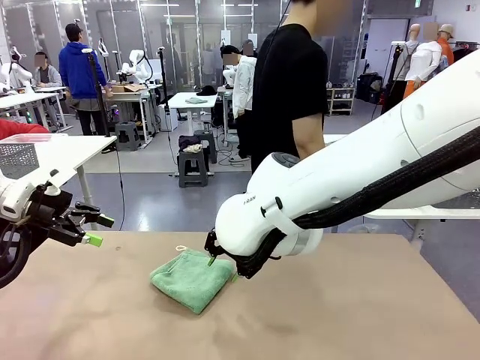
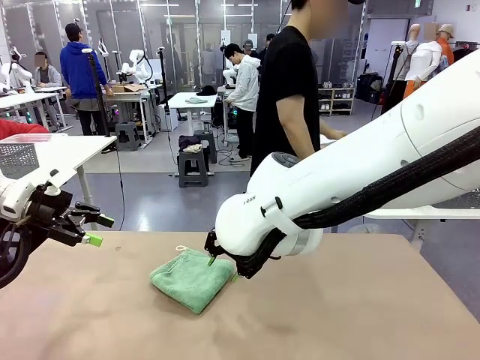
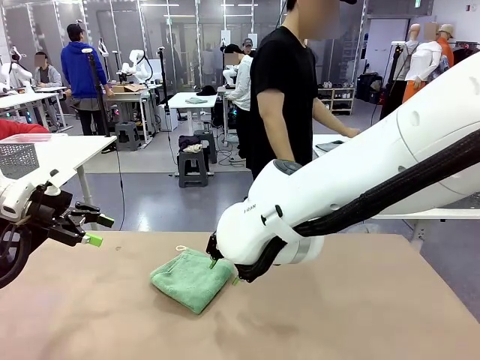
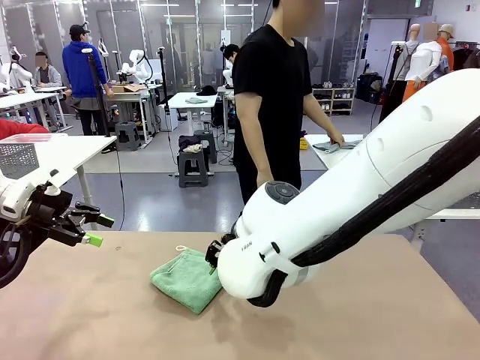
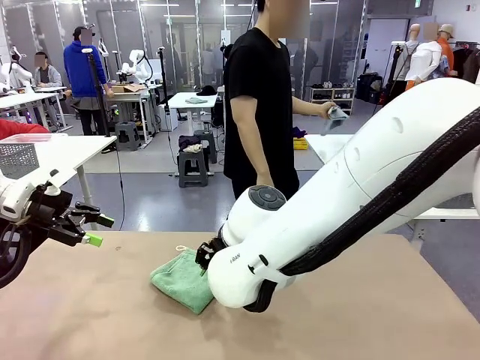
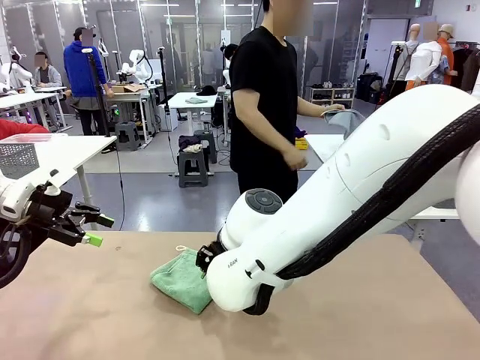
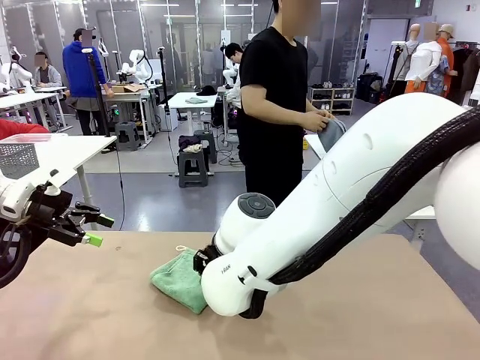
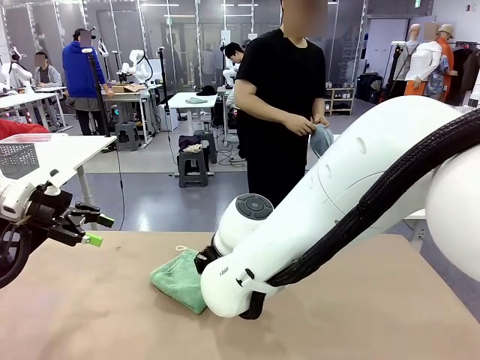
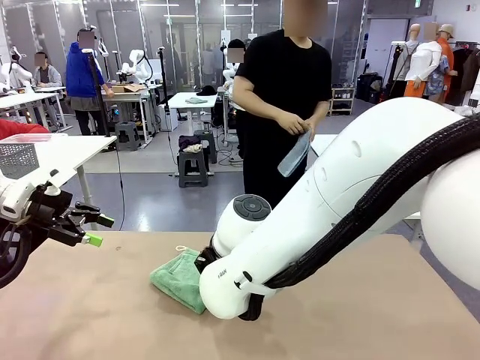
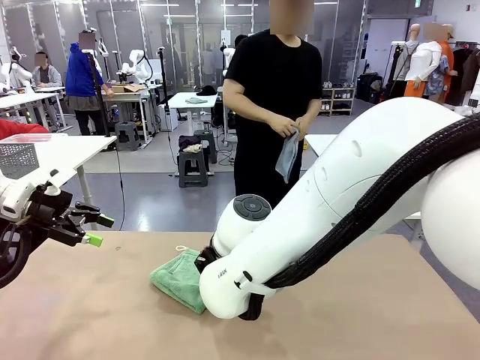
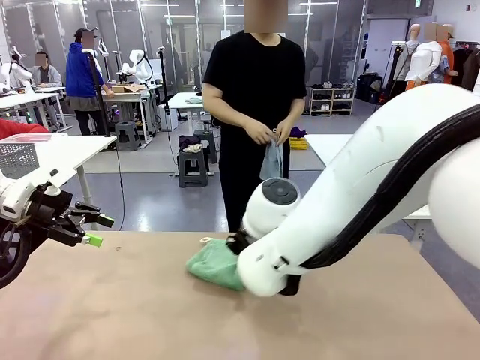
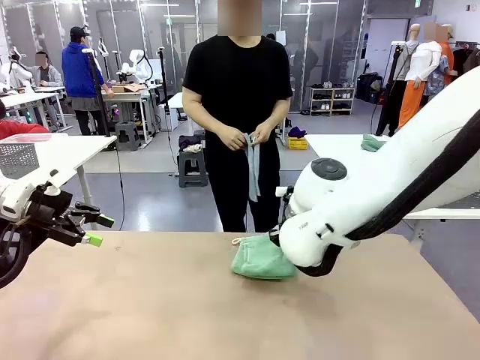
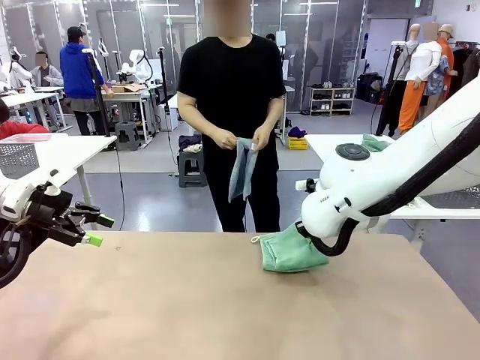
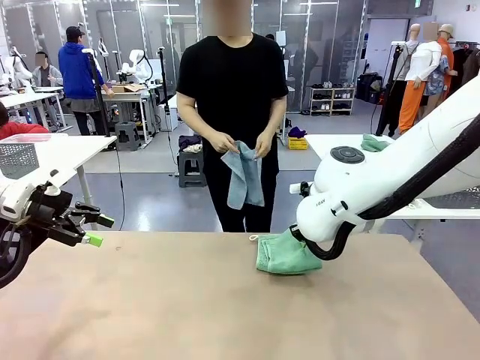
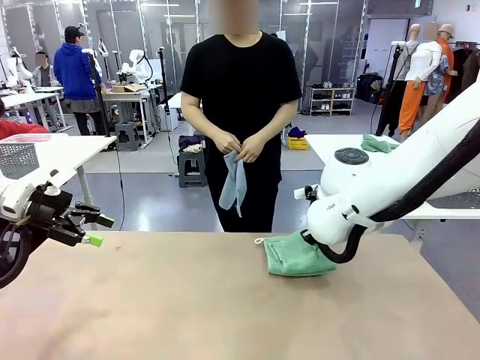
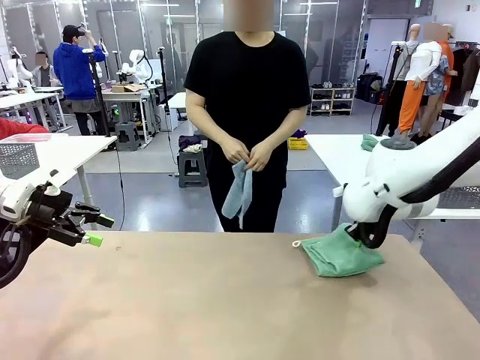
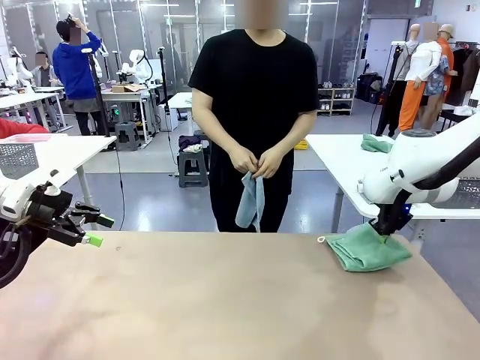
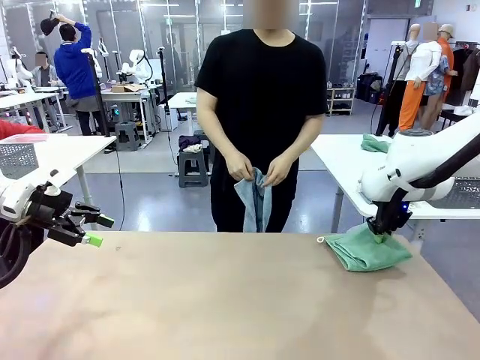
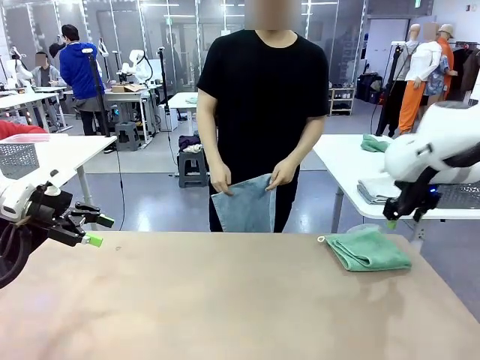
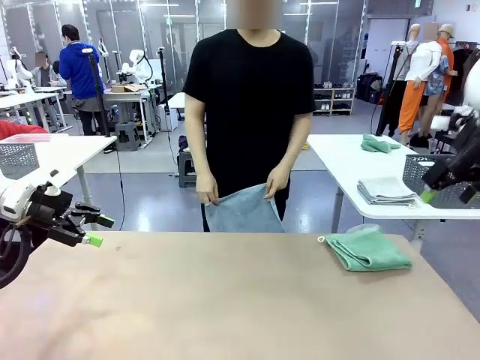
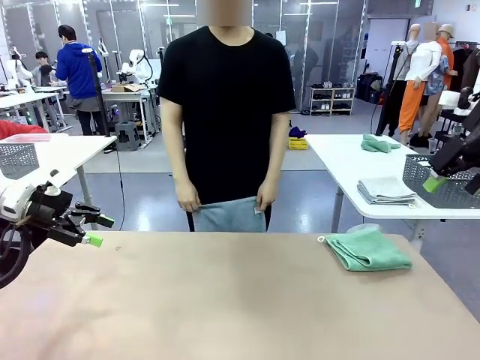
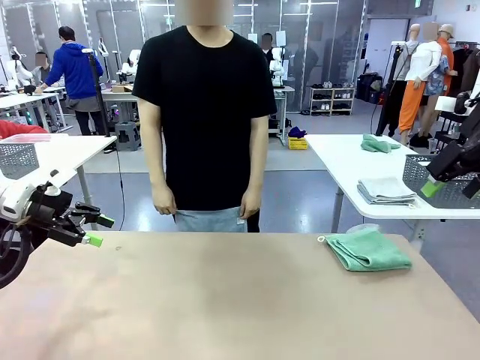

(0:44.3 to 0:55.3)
Task: Fold the towels and place them in the basket.
Robot: Place the folded Towel with hook on the right side of the table.
Person: Pick up one towel from the left side of the human table and spread it out at the center of the robot table.

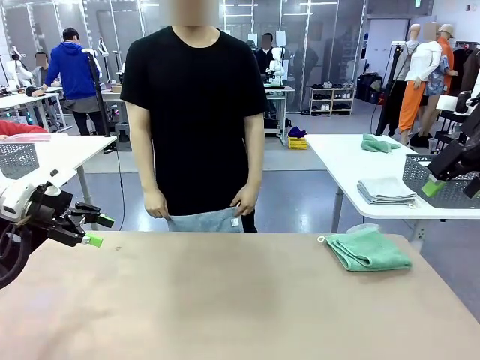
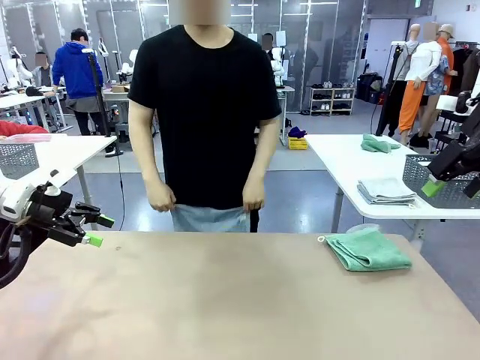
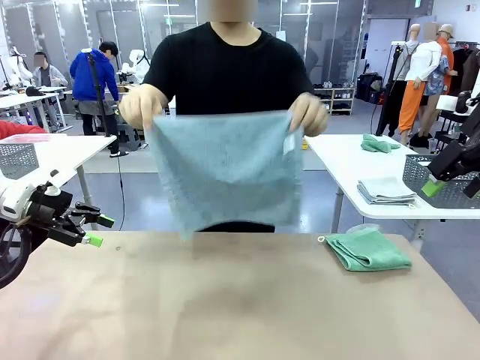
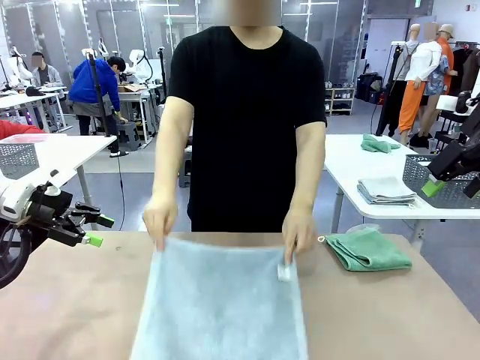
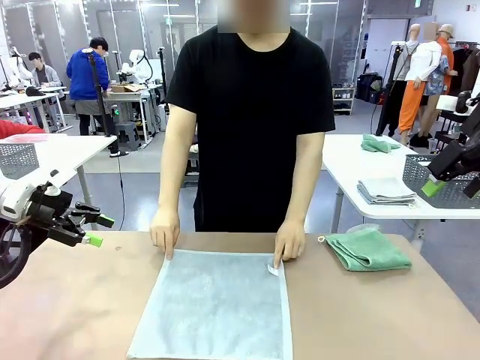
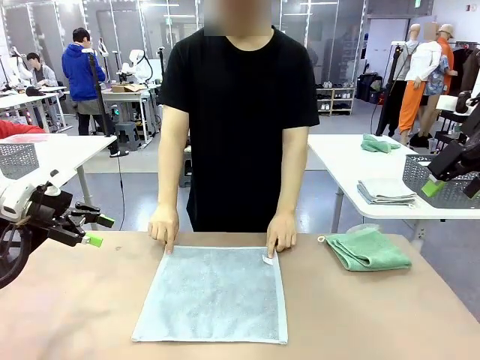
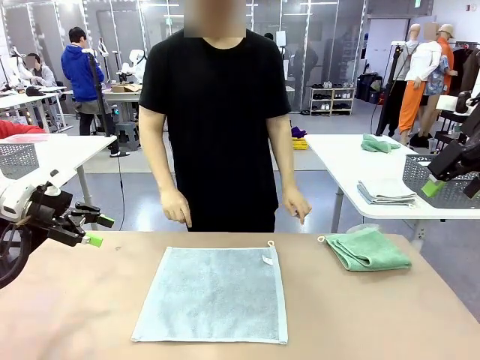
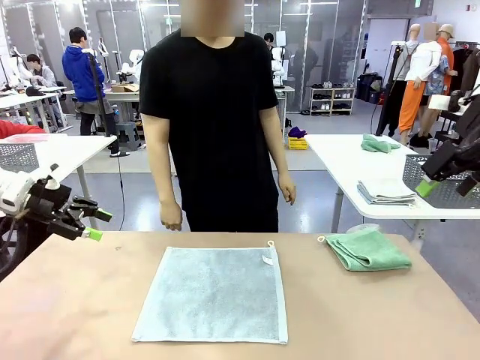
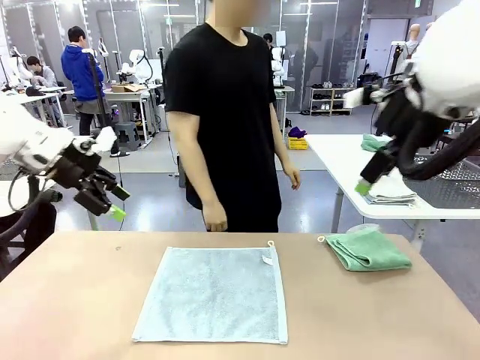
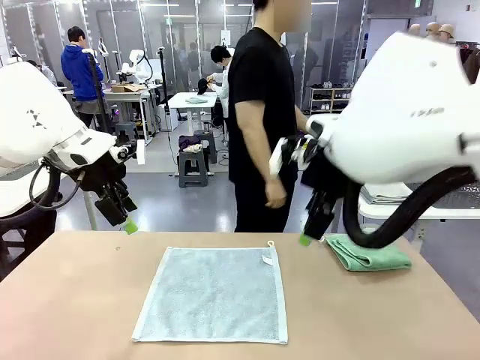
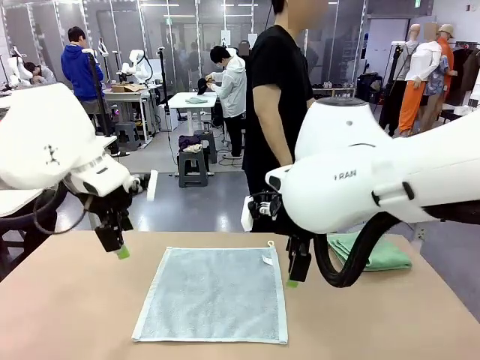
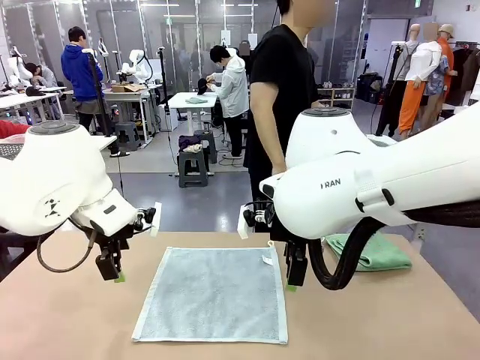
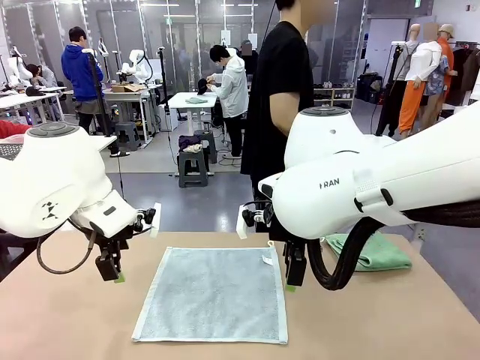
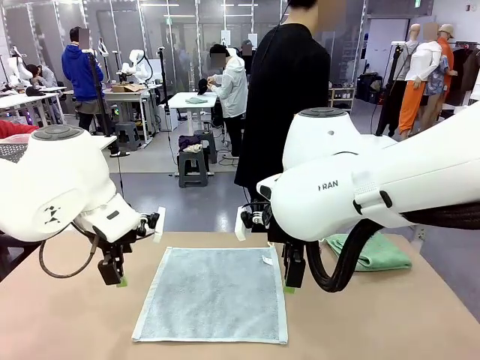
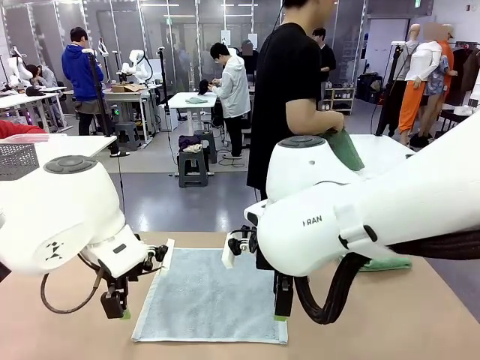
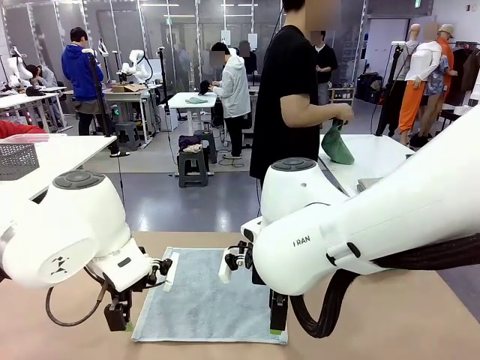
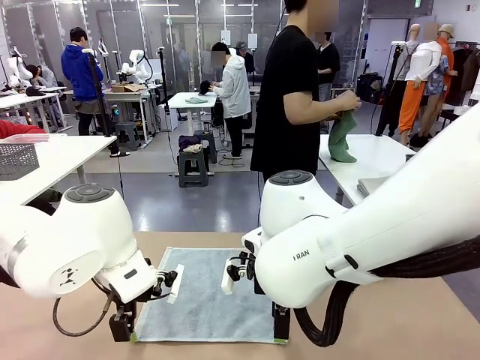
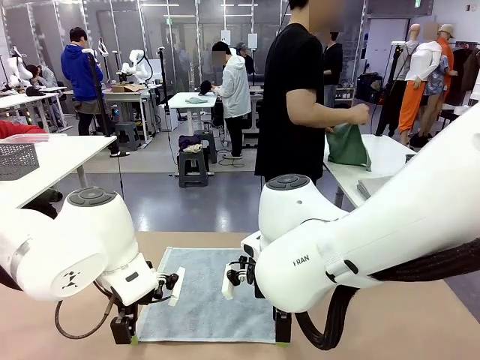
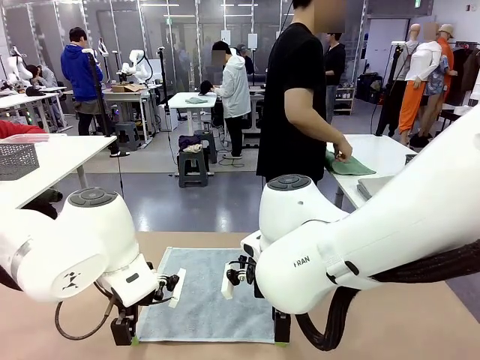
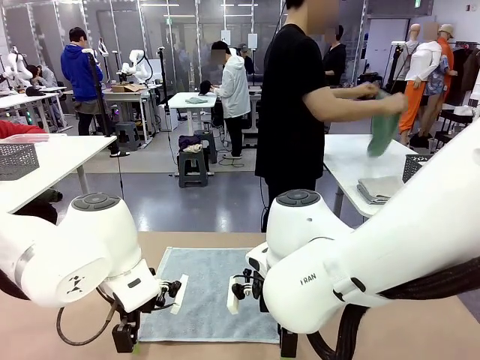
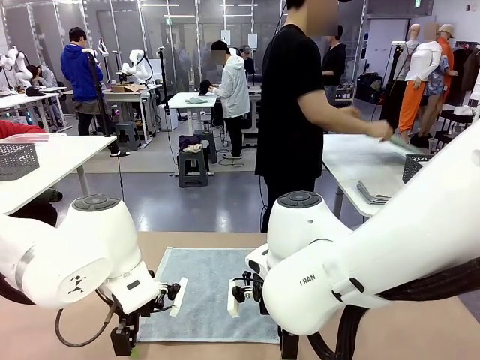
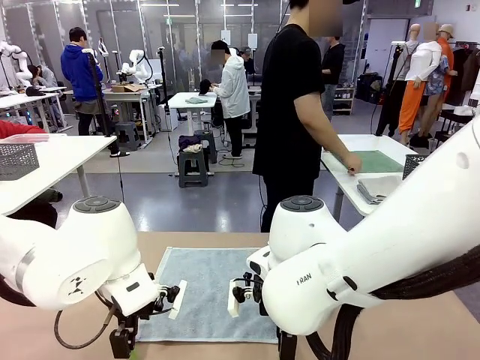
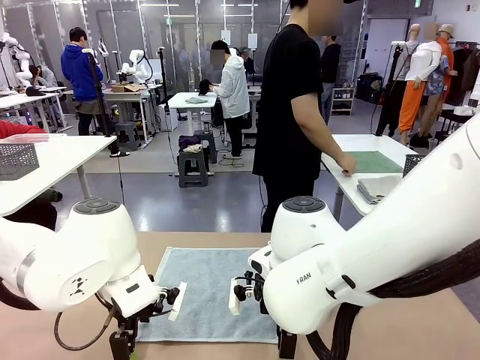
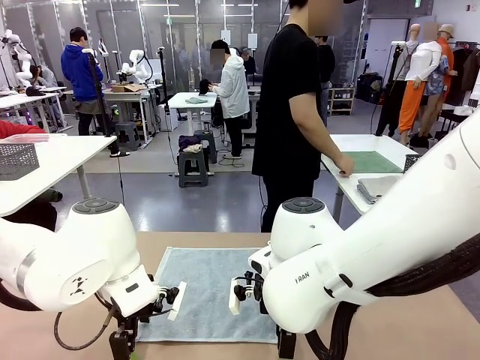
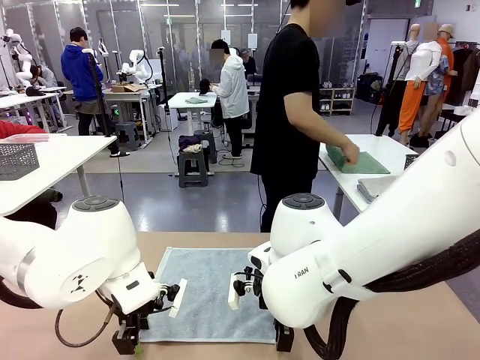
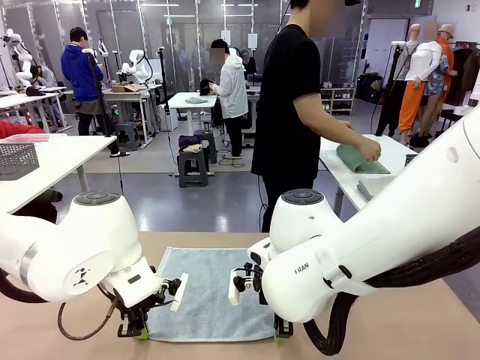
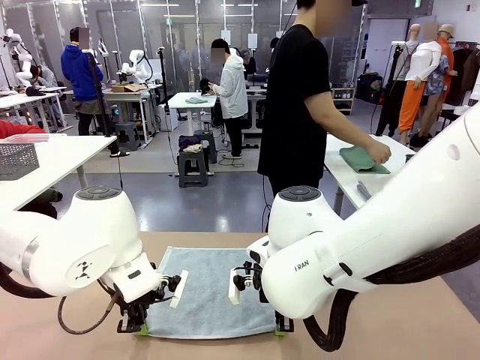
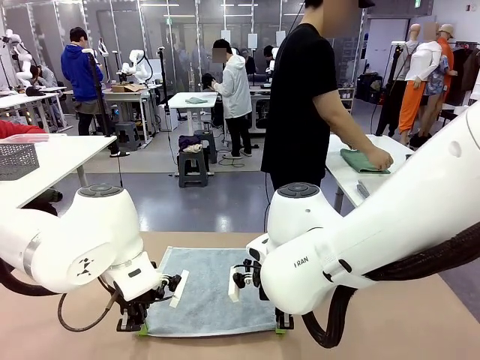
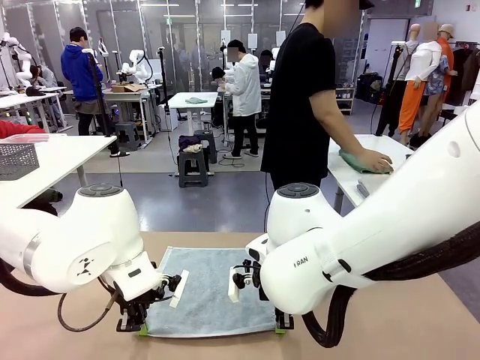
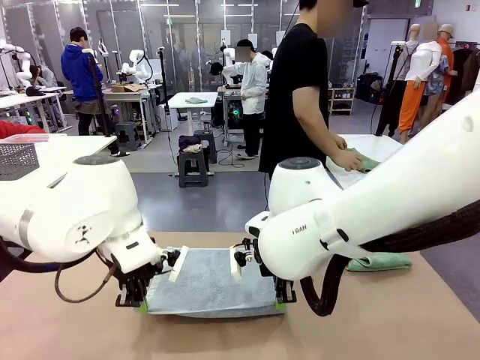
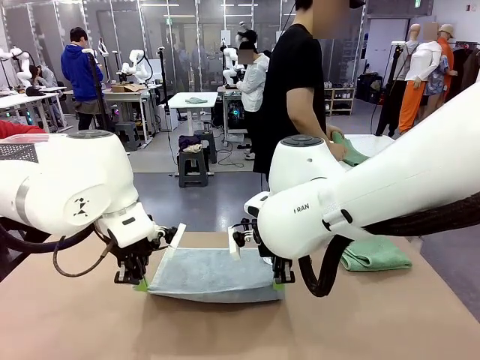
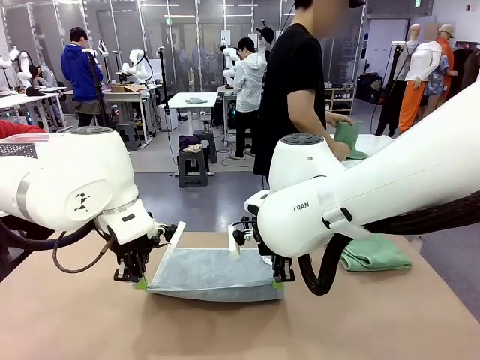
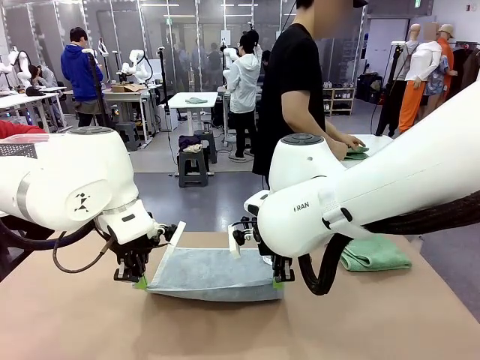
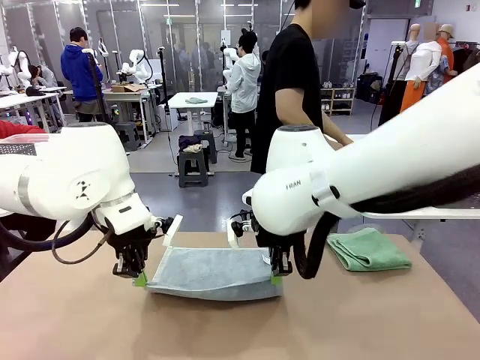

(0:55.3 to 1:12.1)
Robot: When a person lays out a Towel with hook on the table, fold it in half twice.
Person: Pick up one towel from the left side of the human table, fold it in half twice, and stack it on the right side of the table.
